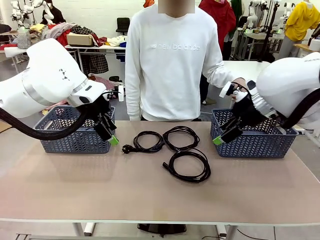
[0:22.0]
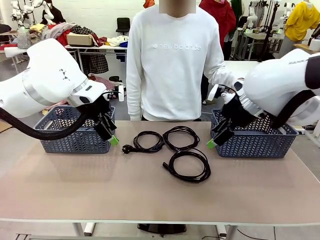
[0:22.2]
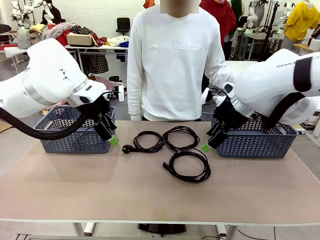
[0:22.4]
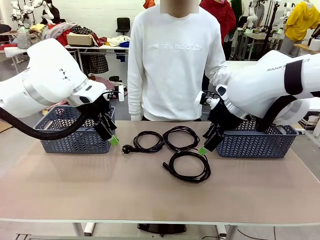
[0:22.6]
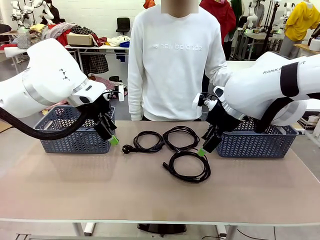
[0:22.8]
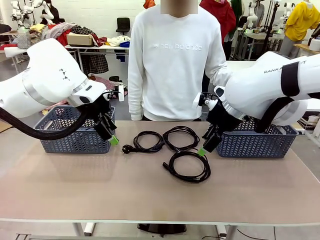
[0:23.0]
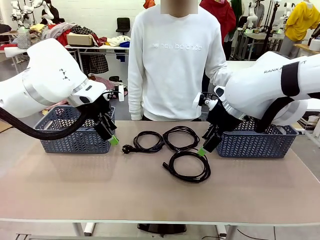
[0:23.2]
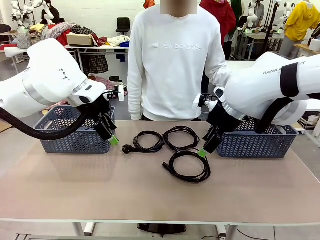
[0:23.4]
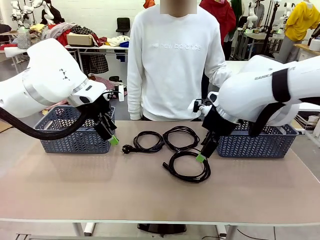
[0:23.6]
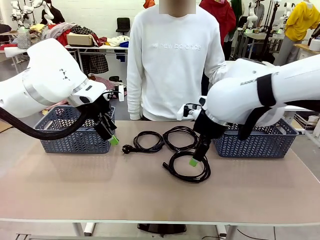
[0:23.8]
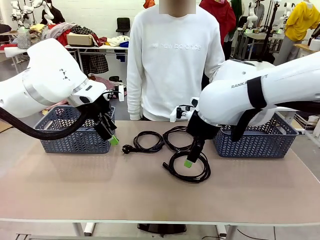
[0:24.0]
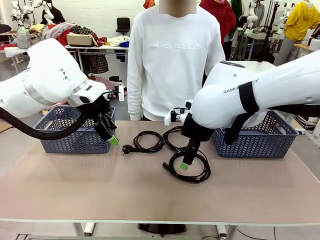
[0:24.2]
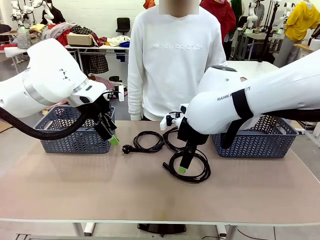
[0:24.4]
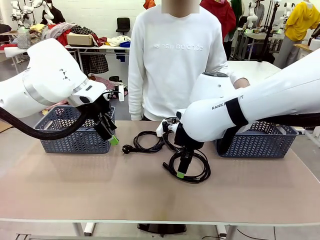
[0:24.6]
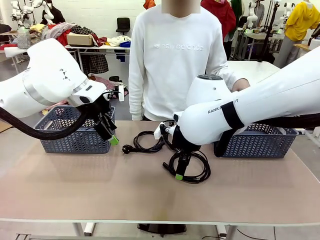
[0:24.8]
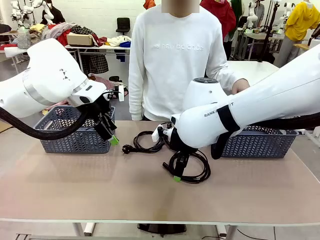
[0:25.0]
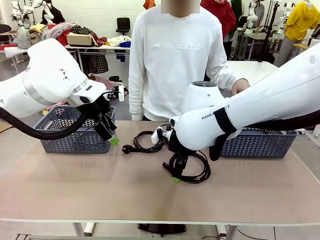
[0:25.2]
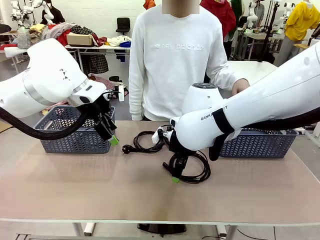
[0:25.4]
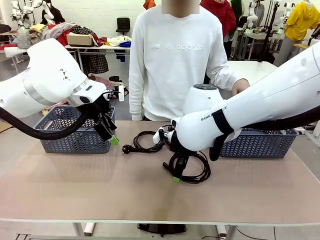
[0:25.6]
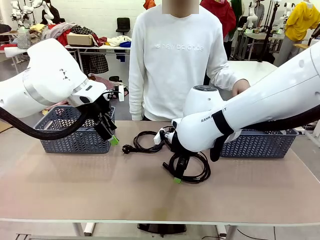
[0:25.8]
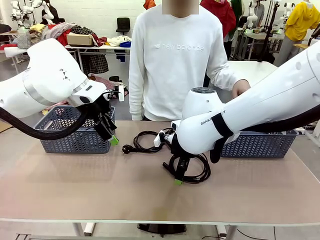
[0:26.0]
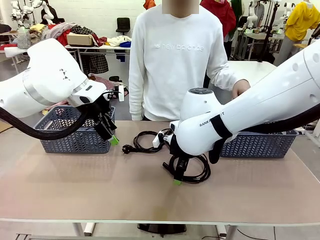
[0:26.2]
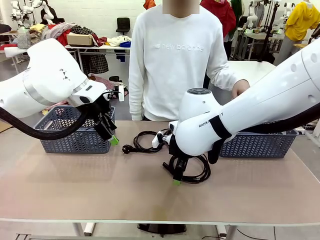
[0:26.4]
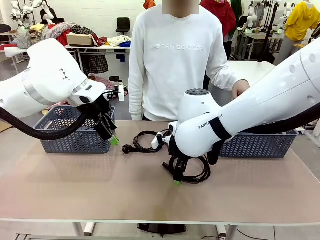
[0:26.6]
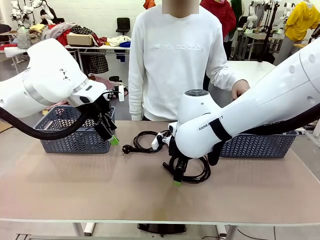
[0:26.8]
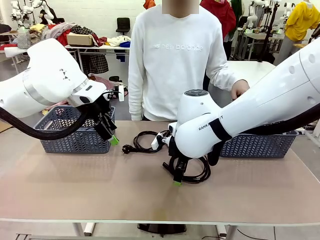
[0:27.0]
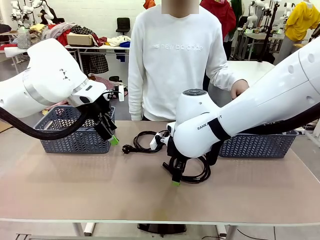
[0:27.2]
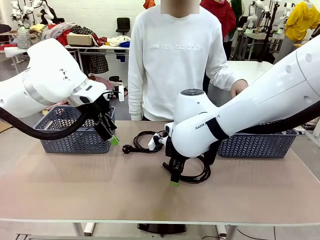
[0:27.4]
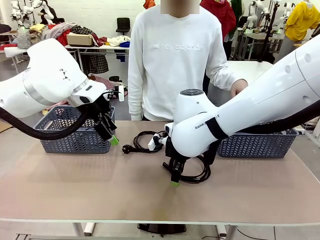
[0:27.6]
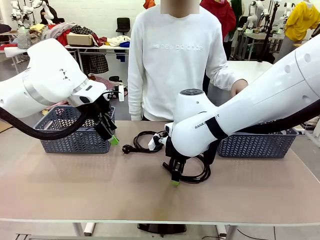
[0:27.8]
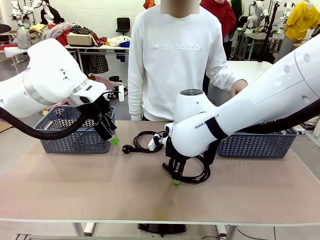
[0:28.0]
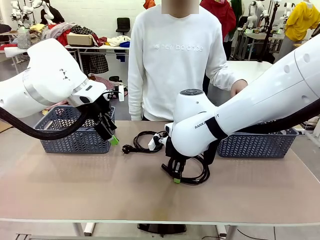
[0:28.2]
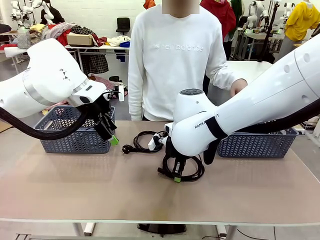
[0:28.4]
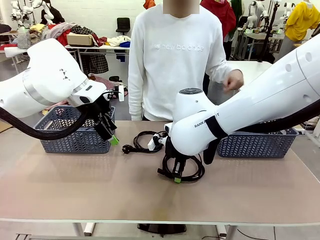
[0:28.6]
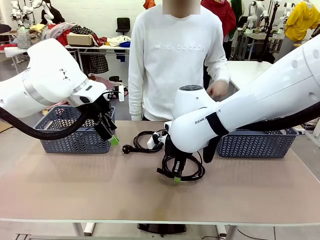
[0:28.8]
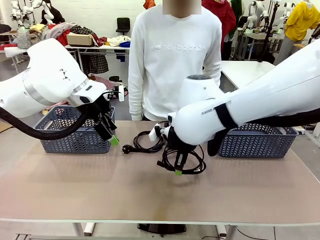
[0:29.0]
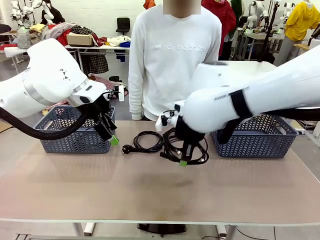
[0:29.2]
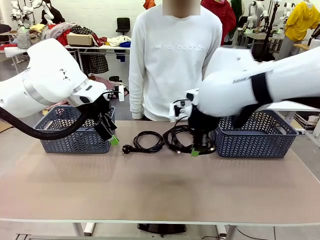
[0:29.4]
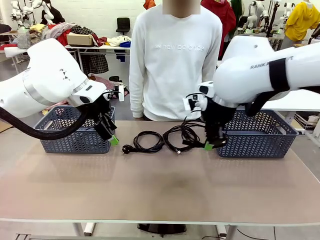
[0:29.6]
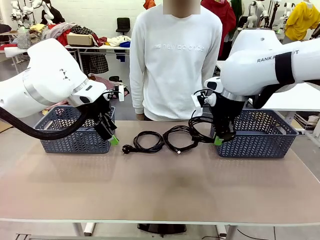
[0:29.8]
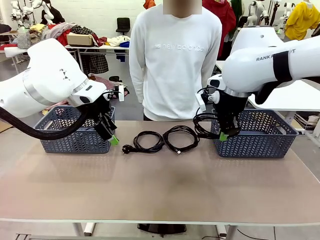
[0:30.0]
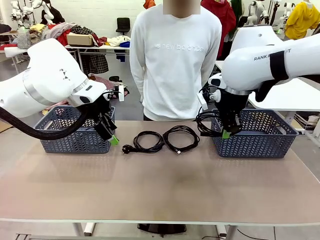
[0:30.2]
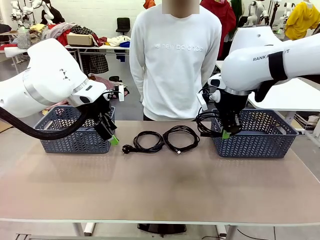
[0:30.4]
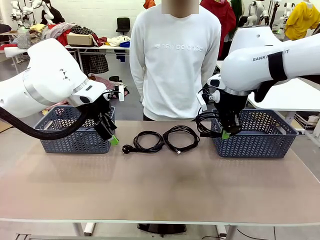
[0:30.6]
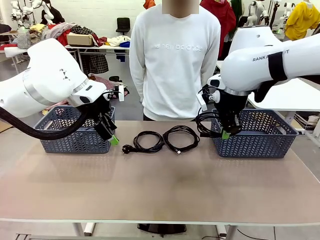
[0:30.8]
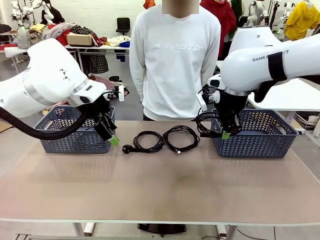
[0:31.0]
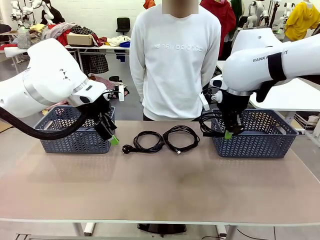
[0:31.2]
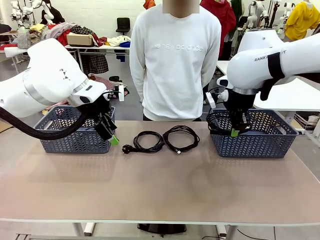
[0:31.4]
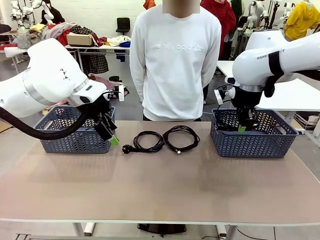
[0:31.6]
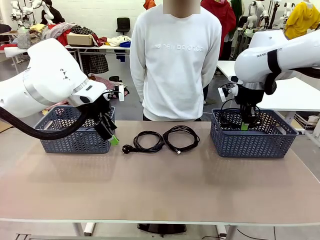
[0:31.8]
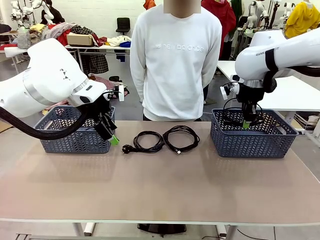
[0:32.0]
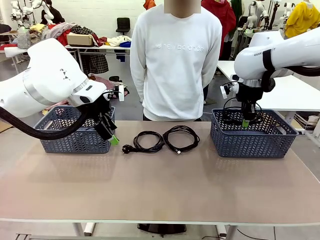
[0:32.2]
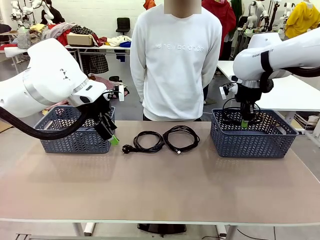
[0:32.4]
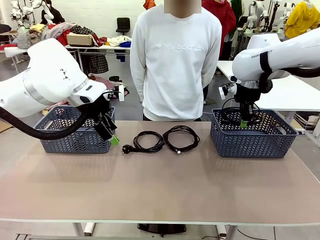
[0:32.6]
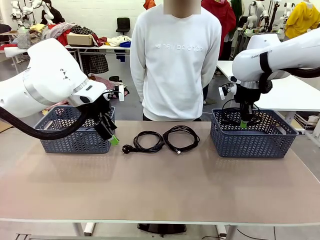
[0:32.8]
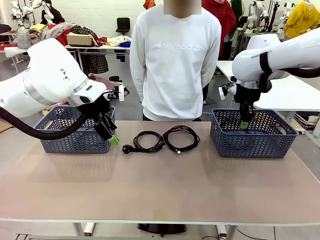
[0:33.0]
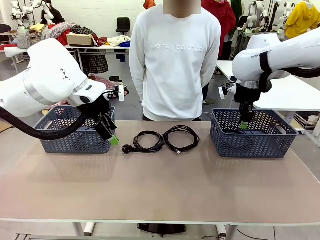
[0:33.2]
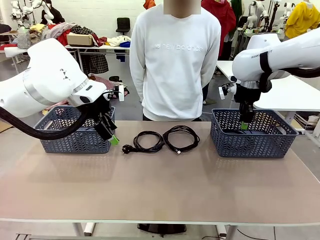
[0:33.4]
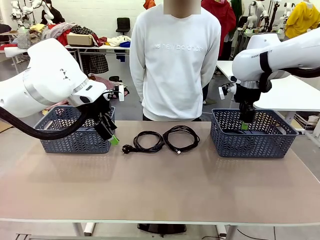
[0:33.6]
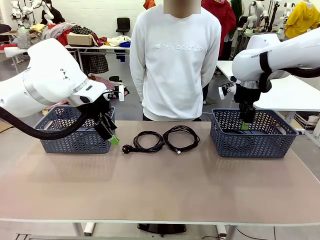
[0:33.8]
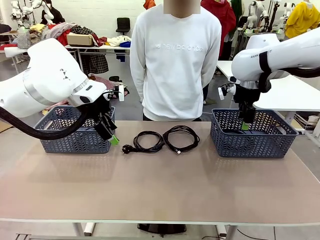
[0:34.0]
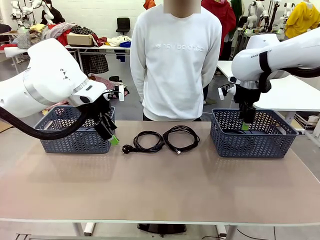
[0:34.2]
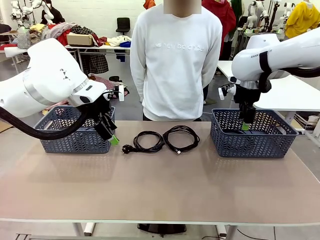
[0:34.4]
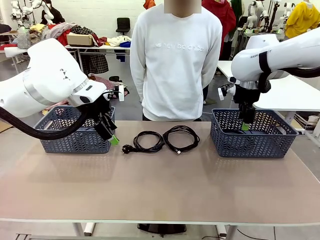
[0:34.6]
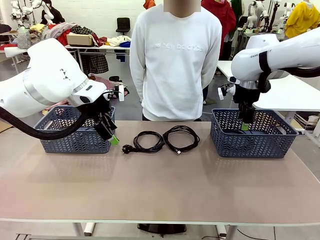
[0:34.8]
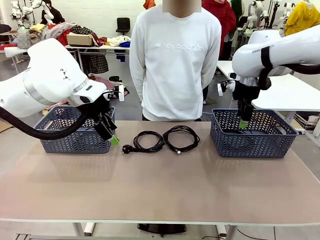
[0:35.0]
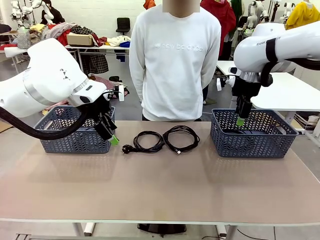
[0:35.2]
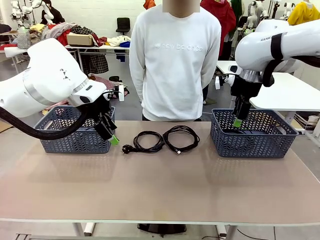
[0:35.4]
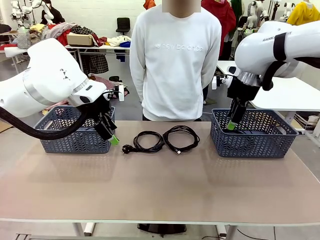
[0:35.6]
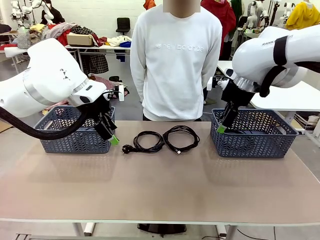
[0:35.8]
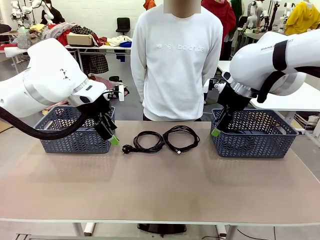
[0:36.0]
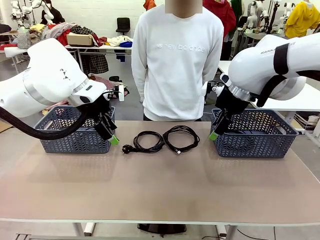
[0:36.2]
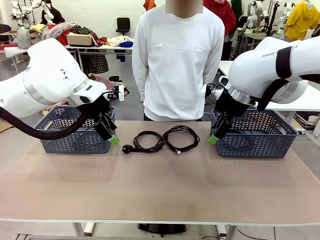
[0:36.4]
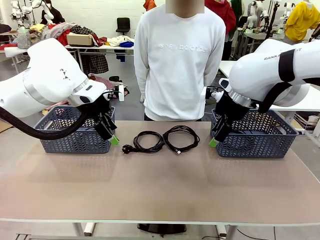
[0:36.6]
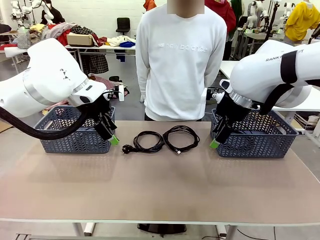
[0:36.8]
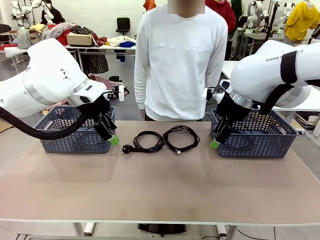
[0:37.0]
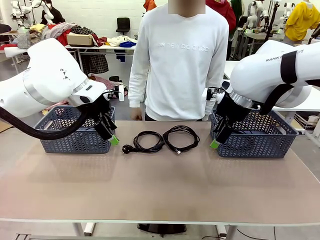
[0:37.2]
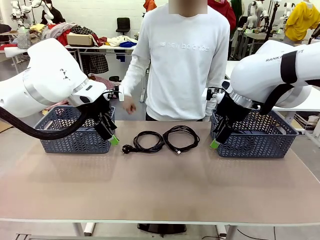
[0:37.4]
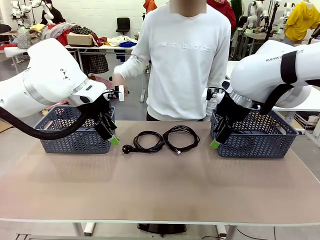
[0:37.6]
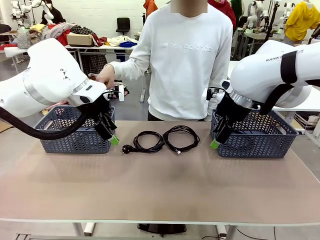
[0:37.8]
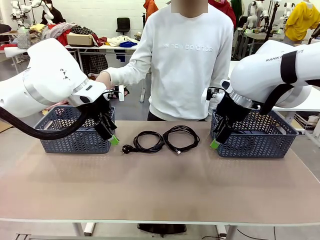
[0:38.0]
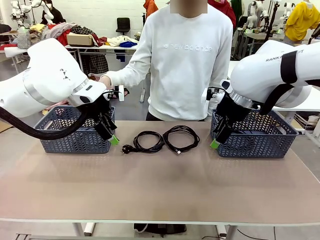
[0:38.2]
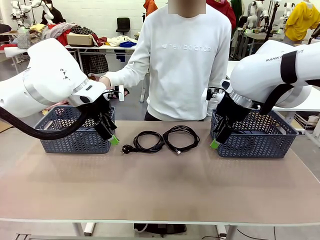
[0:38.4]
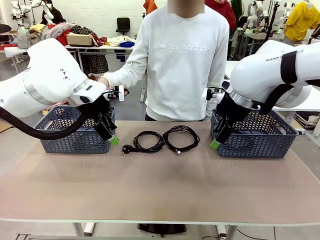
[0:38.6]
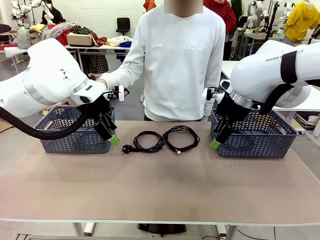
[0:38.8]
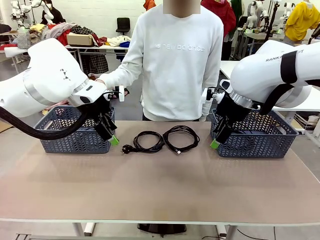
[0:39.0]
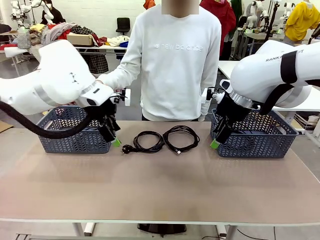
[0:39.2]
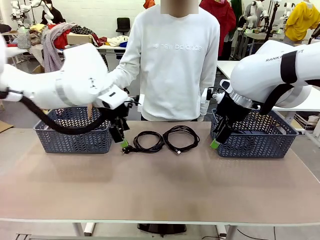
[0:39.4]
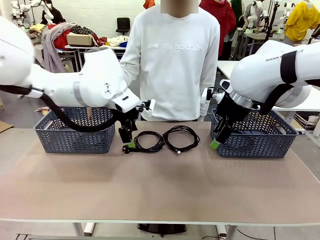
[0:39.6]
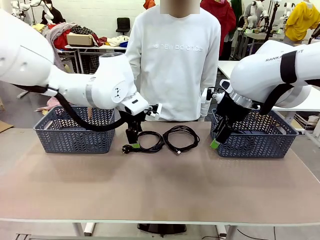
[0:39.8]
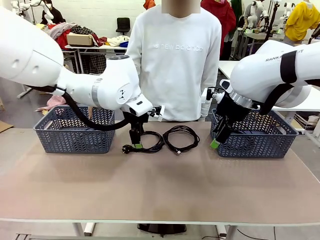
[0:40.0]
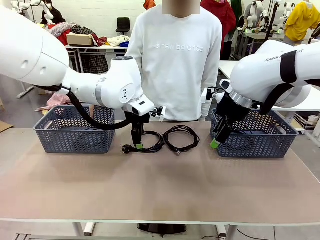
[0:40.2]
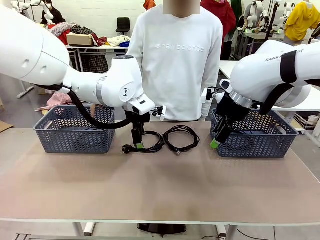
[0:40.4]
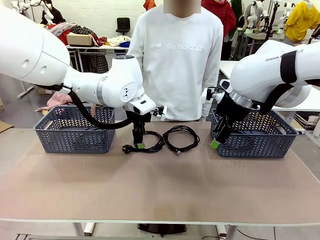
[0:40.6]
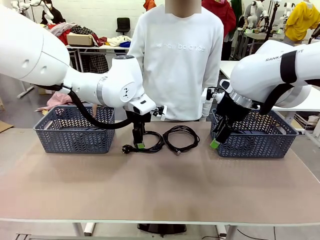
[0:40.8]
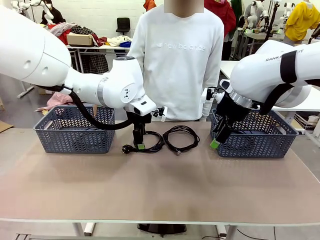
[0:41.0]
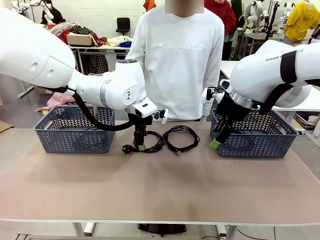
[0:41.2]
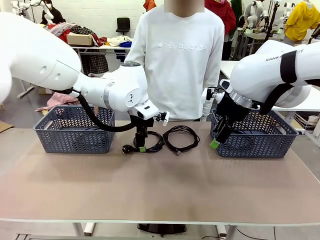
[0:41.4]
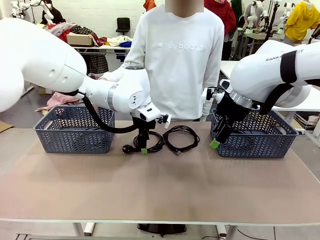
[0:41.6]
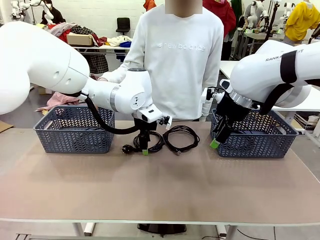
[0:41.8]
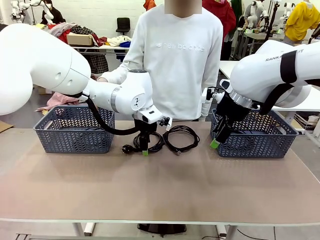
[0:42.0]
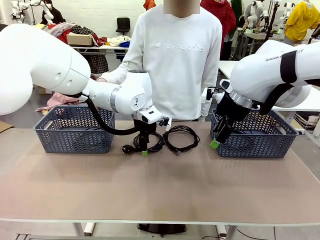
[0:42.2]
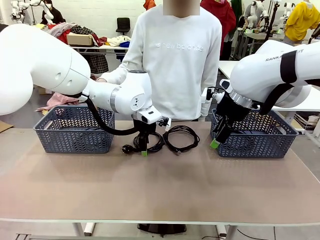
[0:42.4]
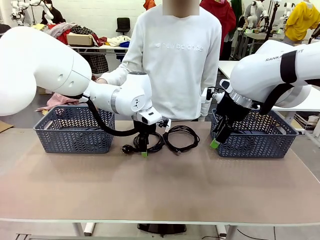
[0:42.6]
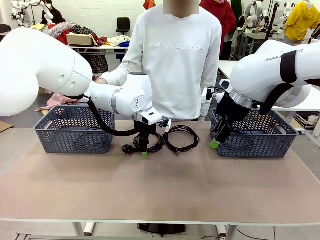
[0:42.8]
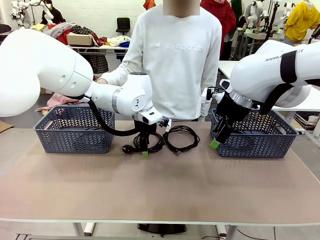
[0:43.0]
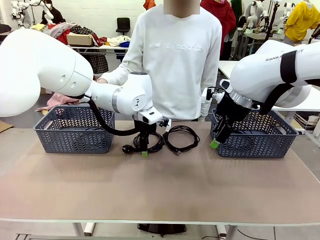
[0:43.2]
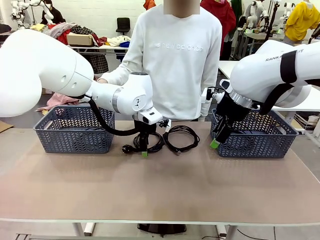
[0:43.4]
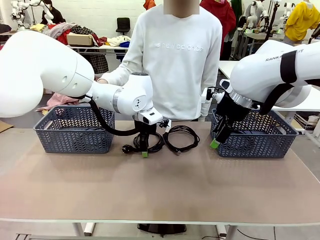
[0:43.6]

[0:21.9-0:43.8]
Task: Organize the cables according to human instructions.
Robot: Pick up a bundle of cables and place it in the basket indicated by the human.
